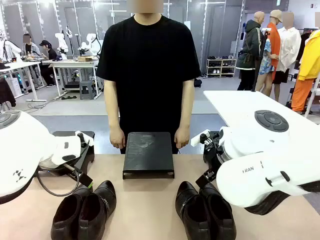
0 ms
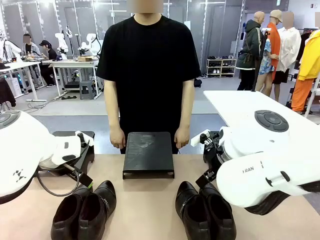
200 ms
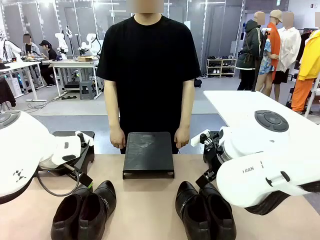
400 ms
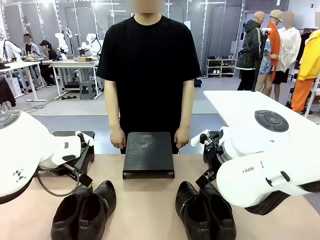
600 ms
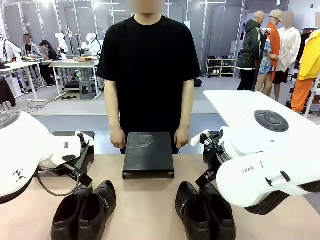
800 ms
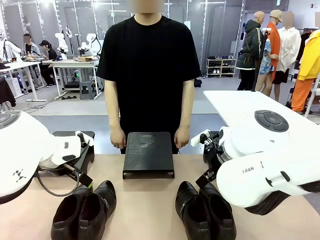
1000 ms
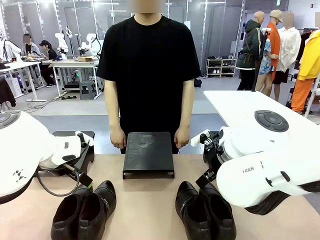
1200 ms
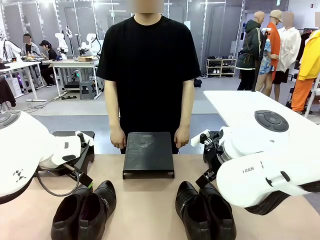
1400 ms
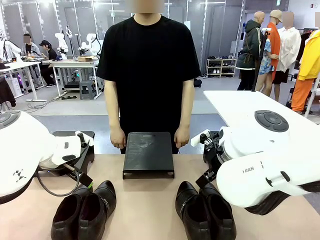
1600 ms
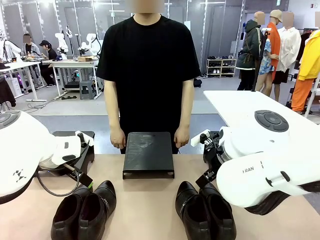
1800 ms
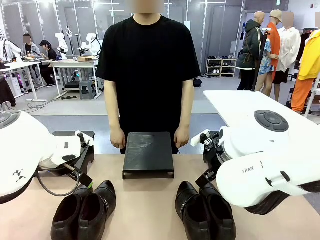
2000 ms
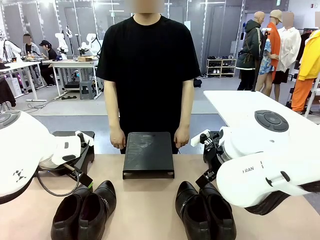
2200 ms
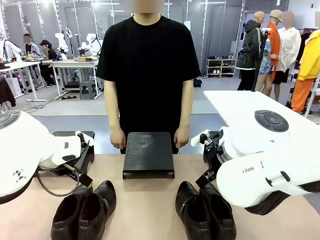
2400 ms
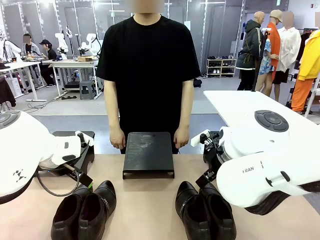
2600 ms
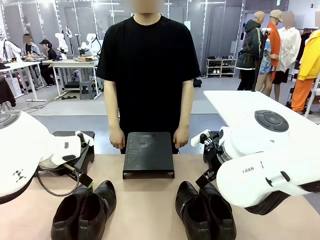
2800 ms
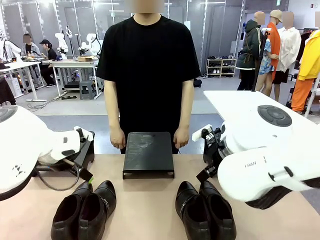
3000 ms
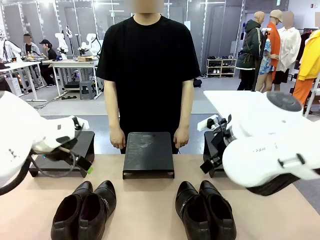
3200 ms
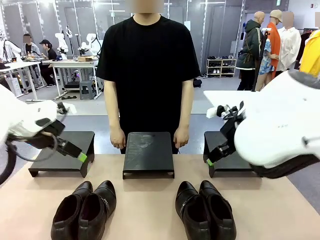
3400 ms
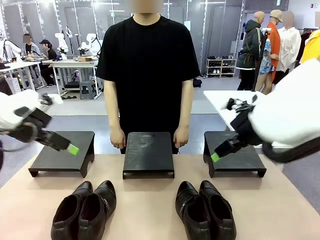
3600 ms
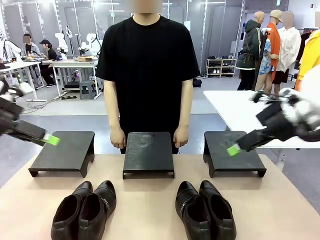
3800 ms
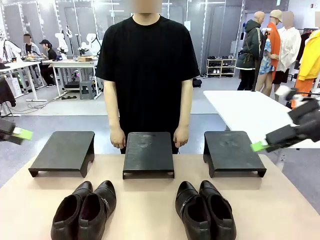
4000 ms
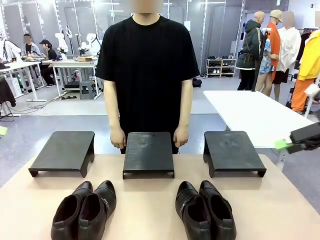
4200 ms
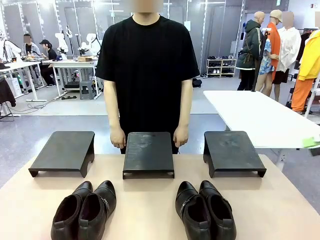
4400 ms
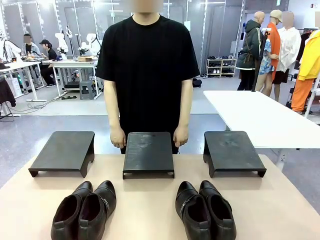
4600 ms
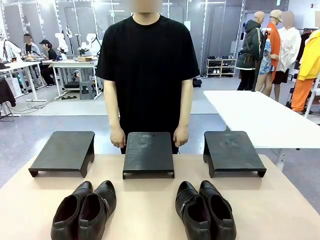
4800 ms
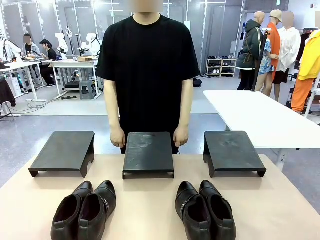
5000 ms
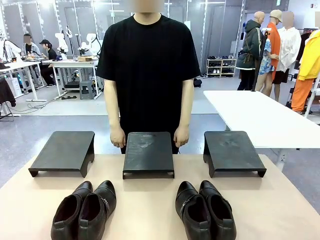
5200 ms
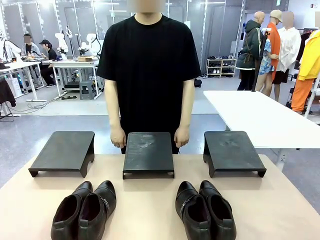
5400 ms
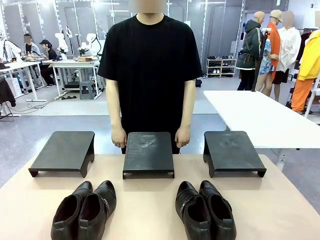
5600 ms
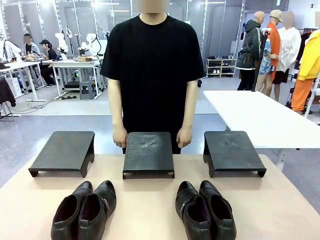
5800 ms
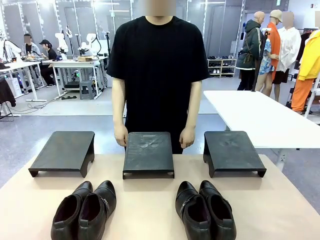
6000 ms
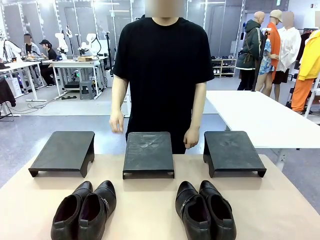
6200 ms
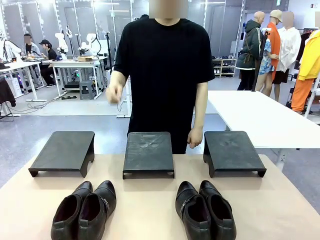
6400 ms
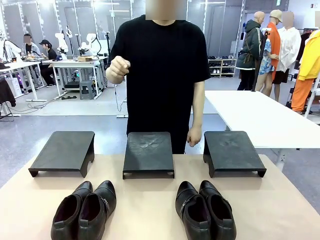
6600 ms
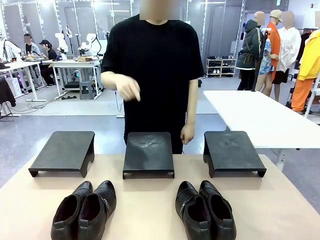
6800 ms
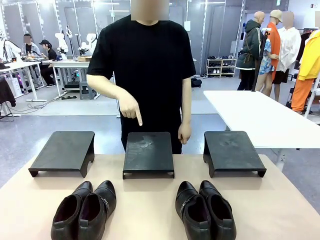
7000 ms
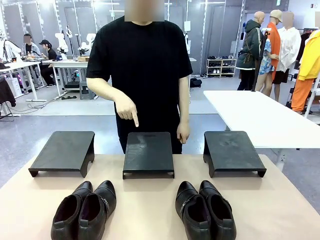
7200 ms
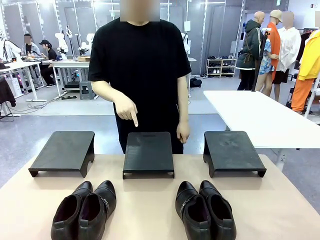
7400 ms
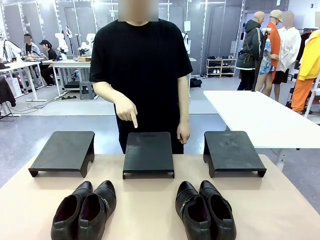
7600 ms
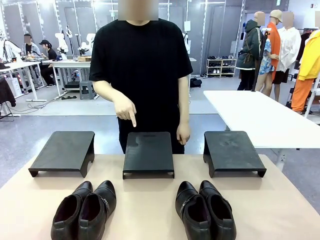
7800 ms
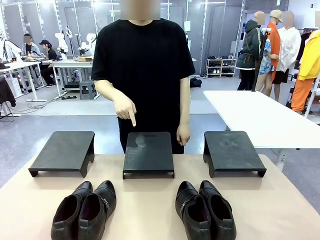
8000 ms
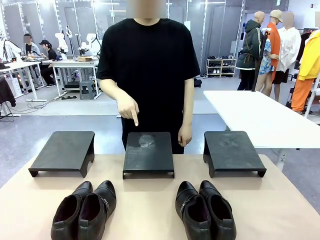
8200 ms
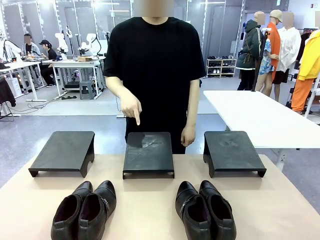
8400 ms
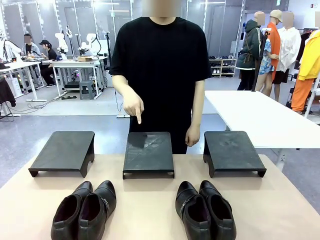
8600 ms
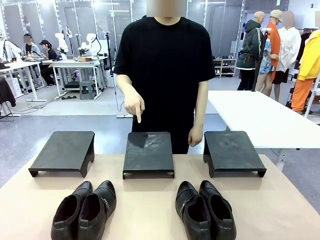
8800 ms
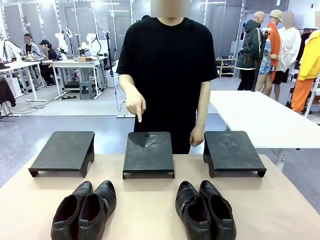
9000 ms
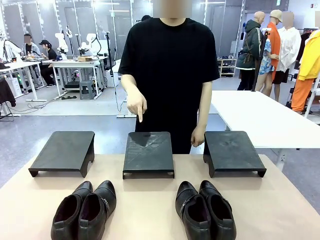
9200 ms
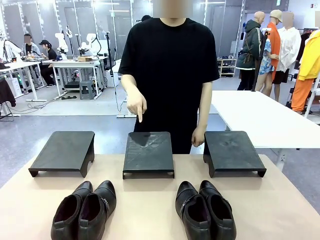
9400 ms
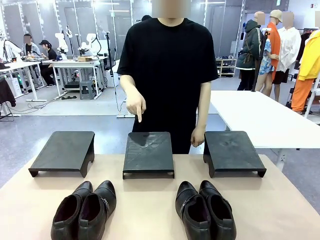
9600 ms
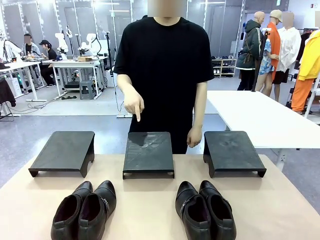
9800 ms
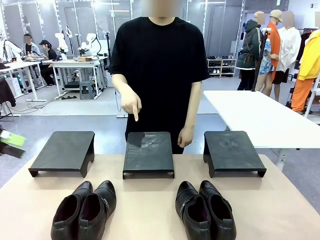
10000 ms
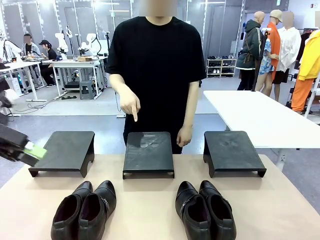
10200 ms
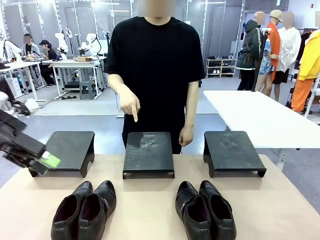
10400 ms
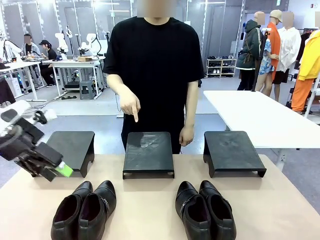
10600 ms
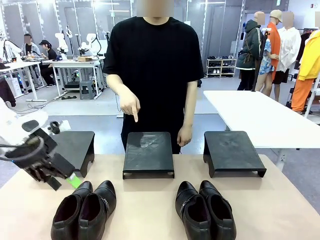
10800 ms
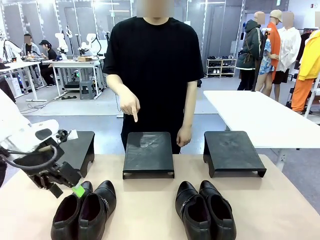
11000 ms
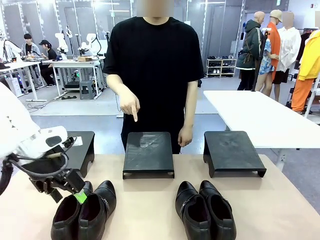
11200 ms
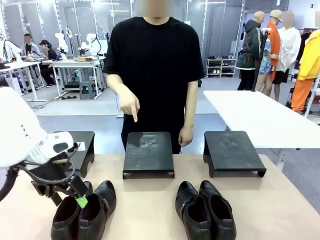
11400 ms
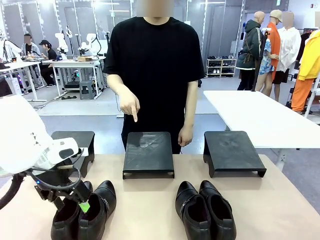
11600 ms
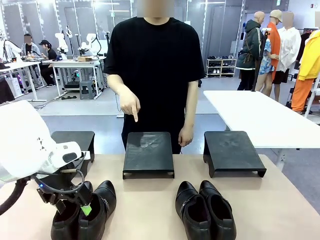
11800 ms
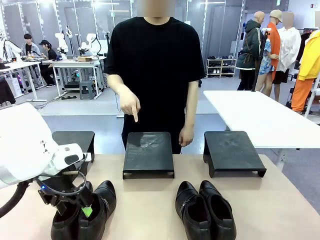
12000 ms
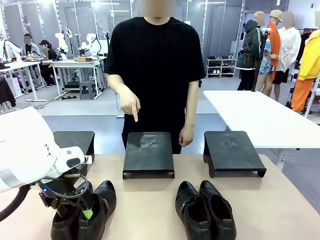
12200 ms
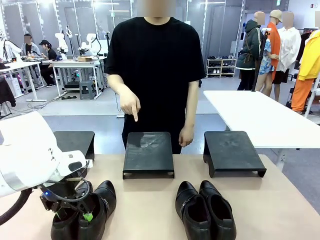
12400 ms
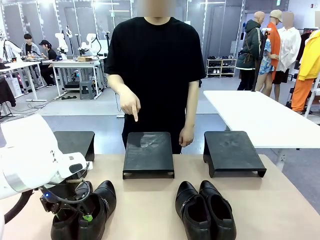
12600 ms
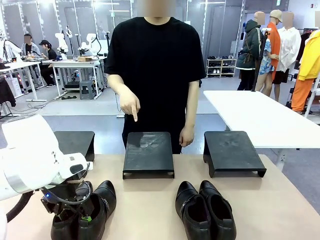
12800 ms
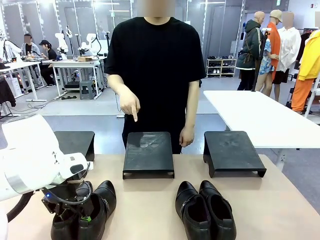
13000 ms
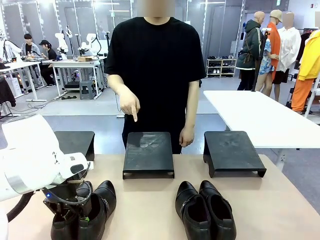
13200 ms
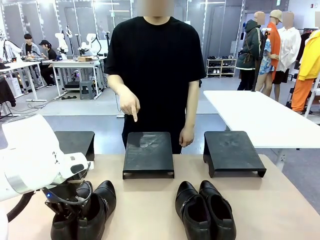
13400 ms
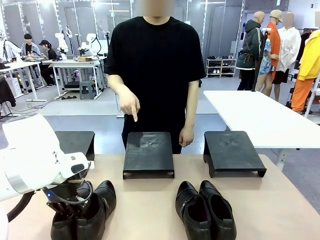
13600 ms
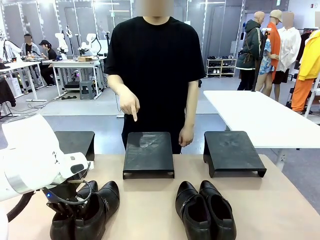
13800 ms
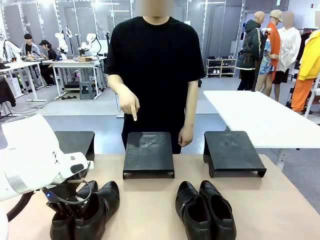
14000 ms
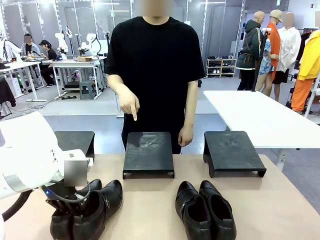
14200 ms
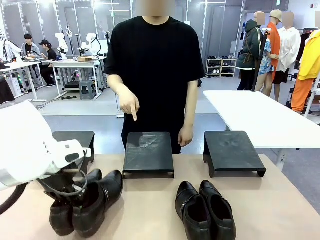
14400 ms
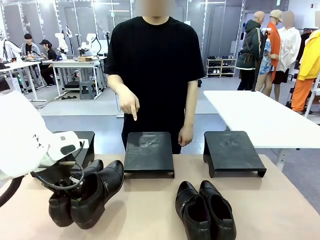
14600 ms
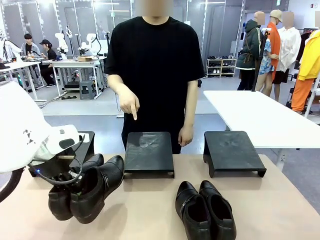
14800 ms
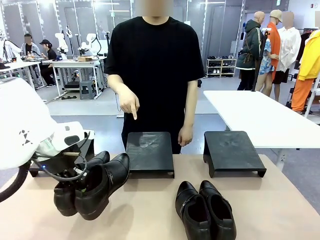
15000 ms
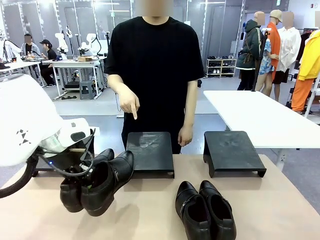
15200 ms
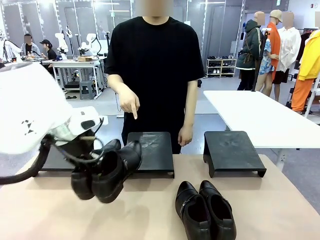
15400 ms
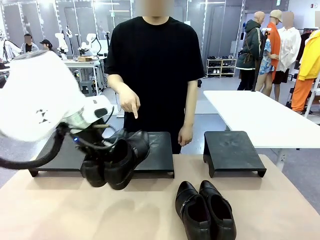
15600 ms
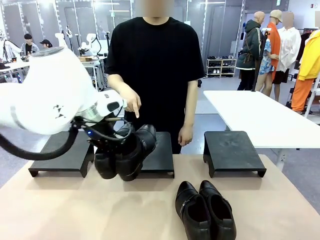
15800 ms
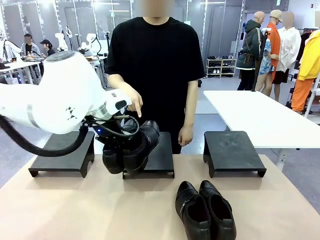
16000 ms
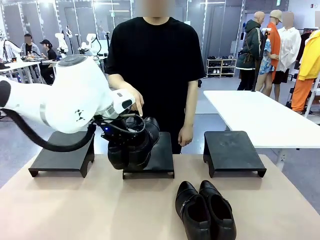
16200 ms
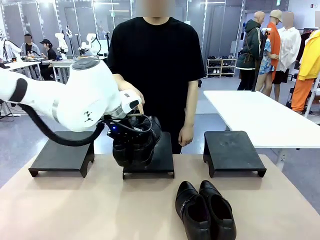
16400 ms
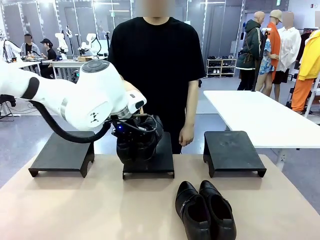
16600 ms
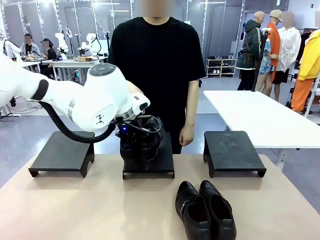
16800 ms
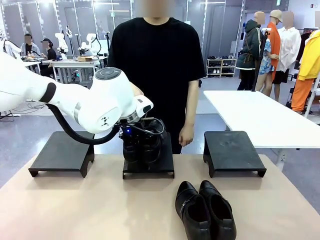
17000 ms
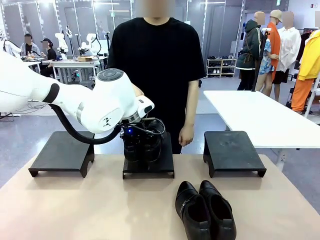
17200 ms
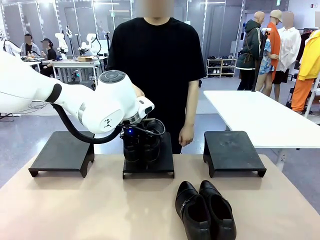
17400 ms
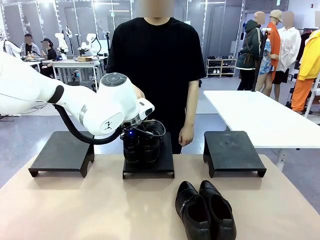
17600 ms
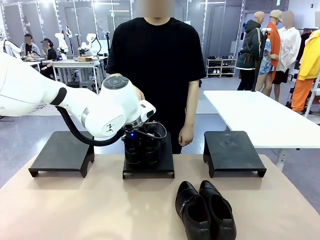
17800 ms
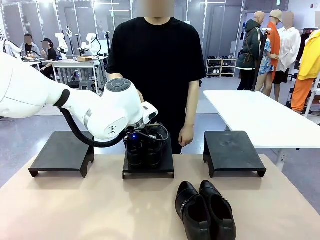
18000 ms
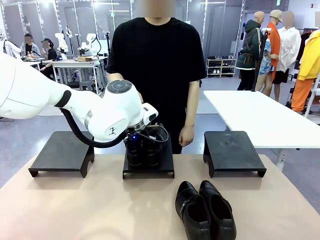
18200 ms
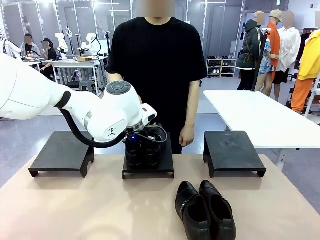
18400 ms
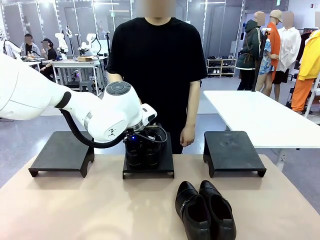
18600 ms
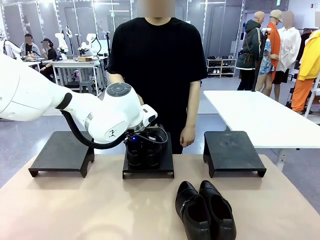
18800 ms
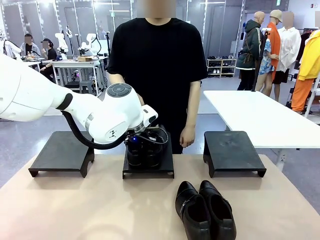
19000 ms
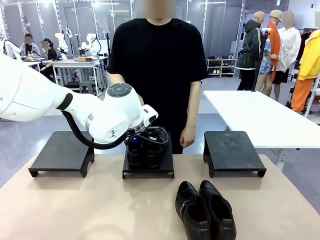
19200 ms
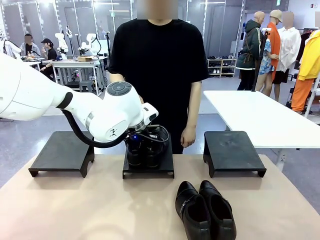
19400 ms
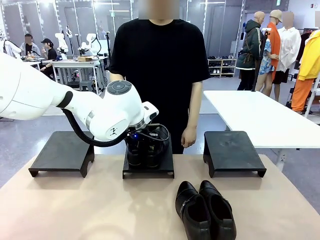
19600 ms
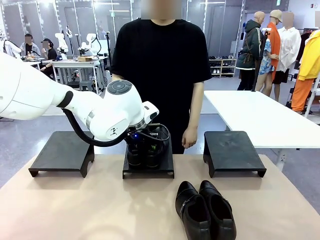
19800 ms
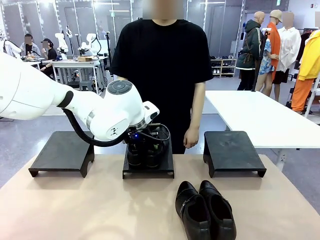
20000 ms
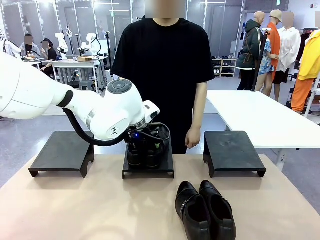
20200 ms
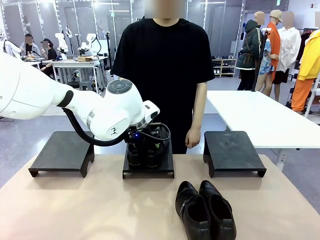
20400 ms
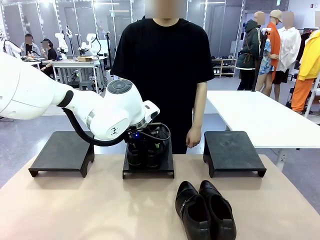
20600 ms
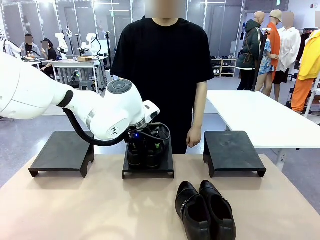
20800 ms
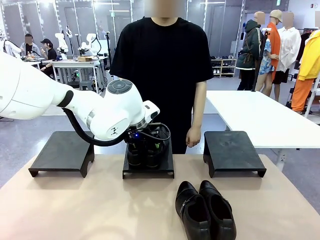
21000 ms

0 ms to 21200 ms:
Task: Place the shoes on the stand as instructed by the person.
Robot: Pick up one pair of Shoes and place it on the Shoes Stand indicated by the person.
